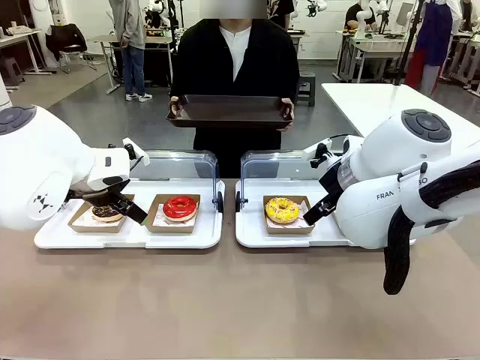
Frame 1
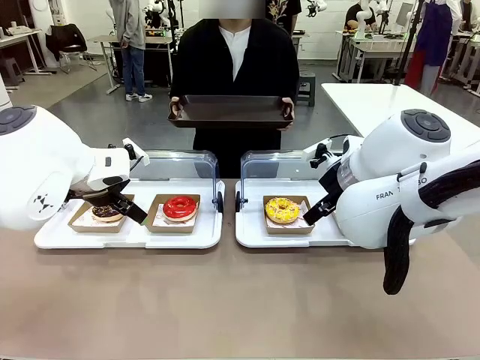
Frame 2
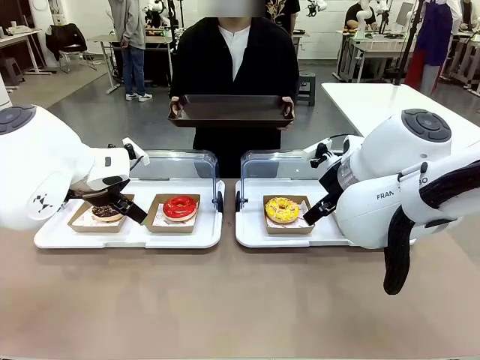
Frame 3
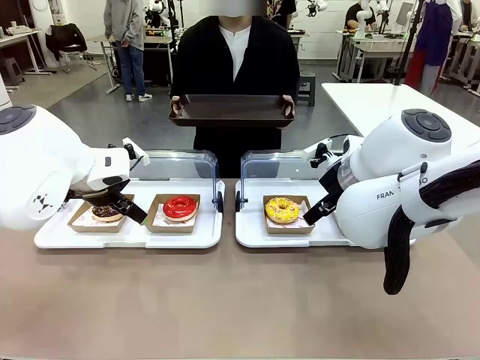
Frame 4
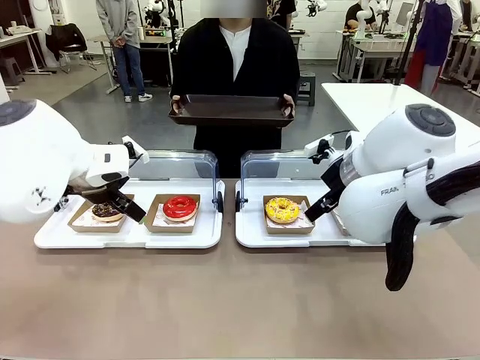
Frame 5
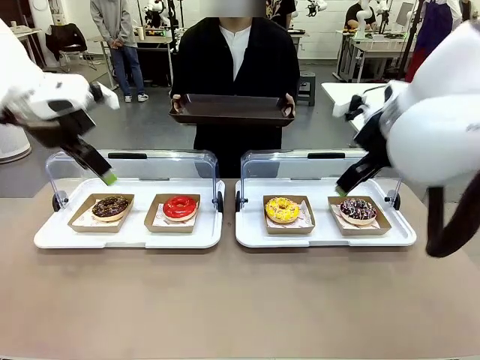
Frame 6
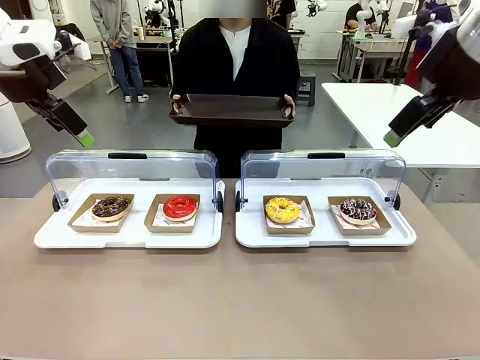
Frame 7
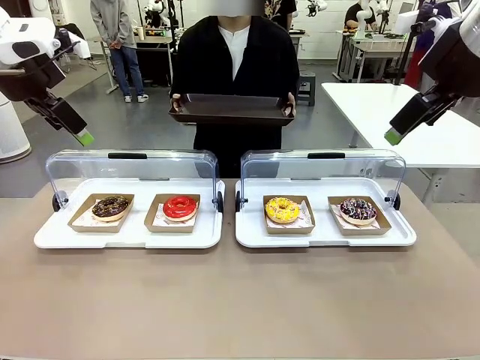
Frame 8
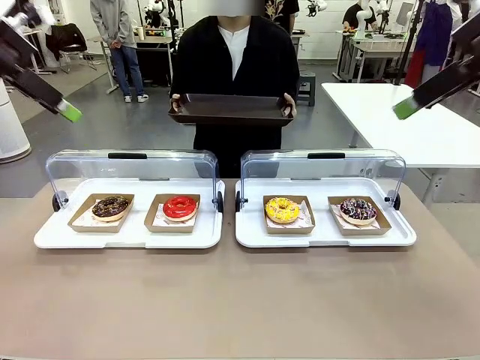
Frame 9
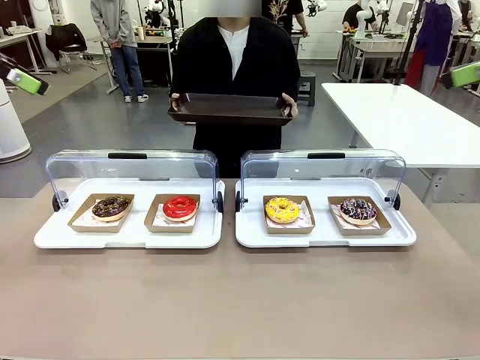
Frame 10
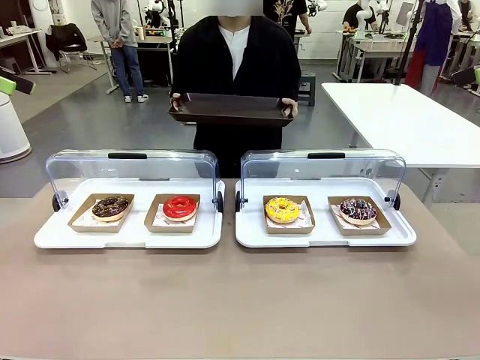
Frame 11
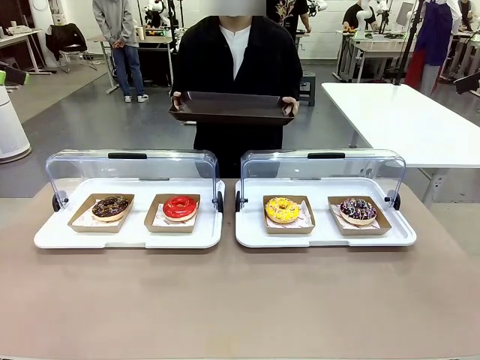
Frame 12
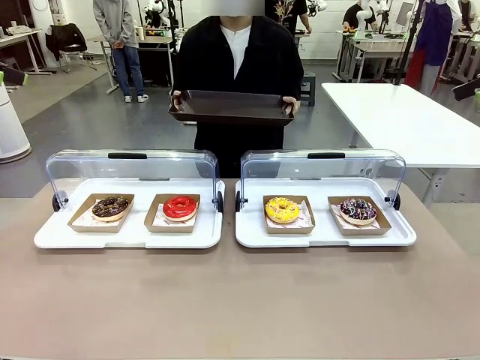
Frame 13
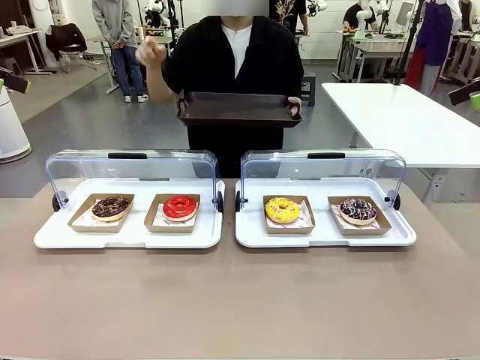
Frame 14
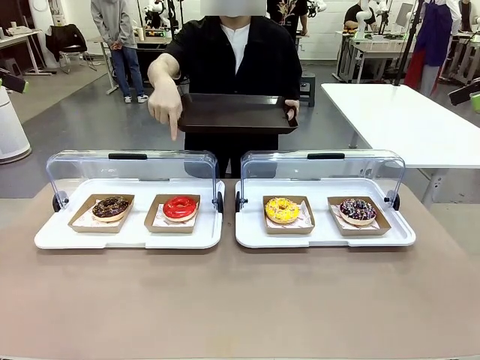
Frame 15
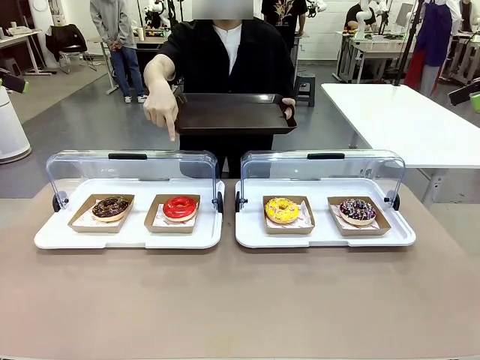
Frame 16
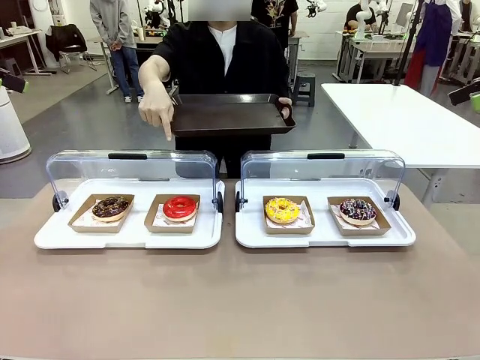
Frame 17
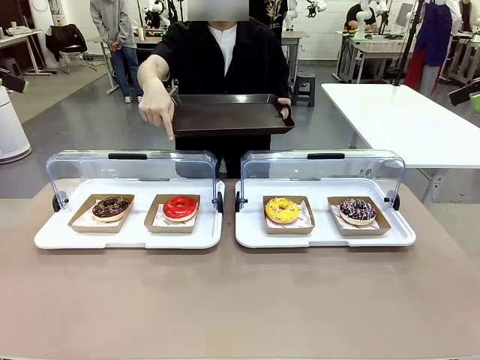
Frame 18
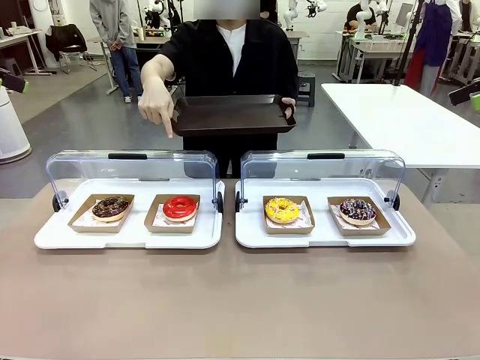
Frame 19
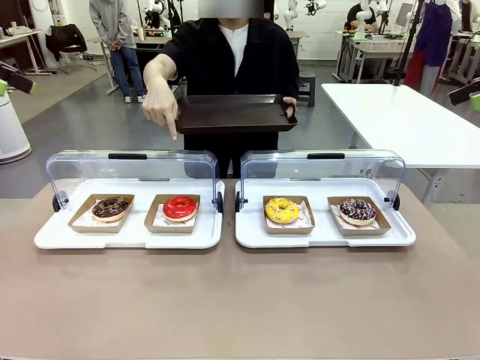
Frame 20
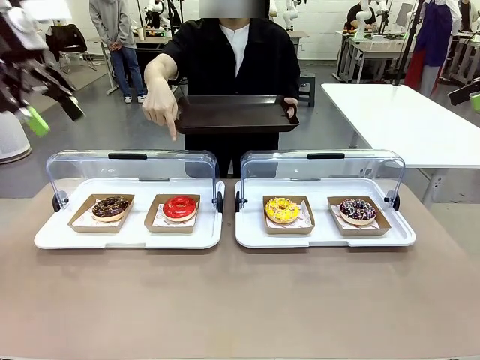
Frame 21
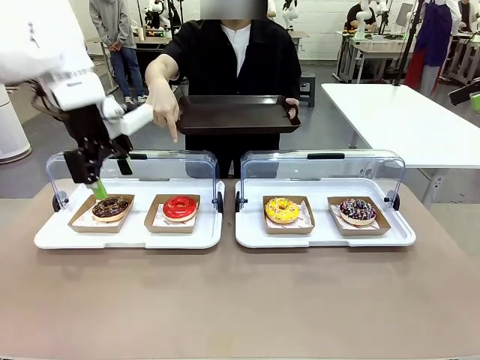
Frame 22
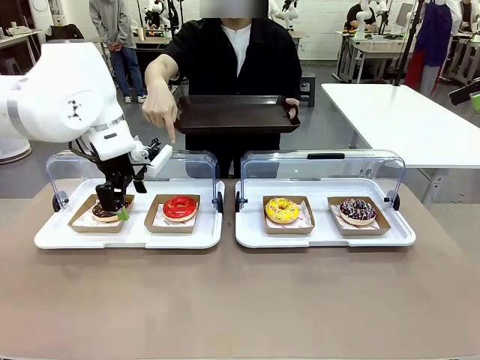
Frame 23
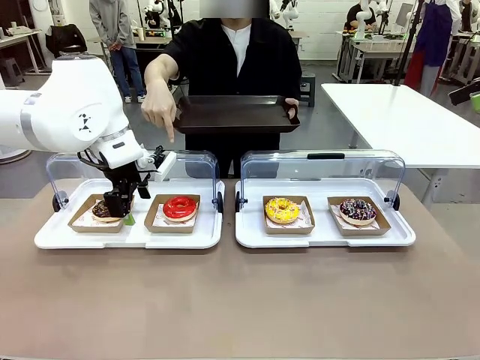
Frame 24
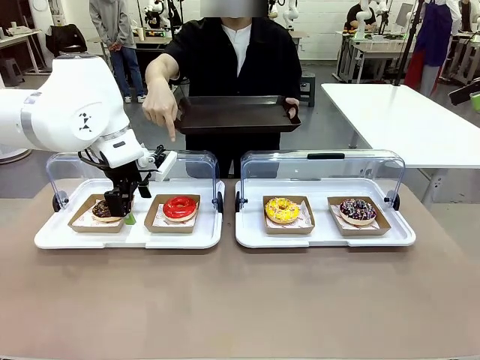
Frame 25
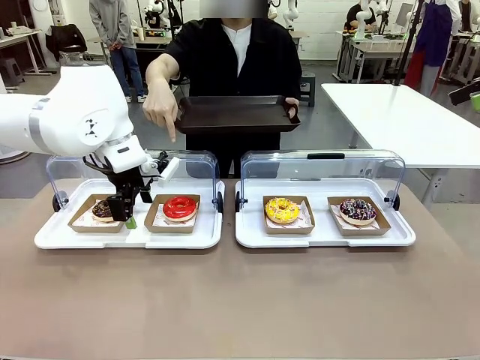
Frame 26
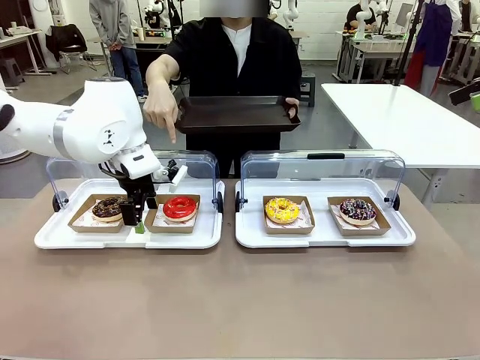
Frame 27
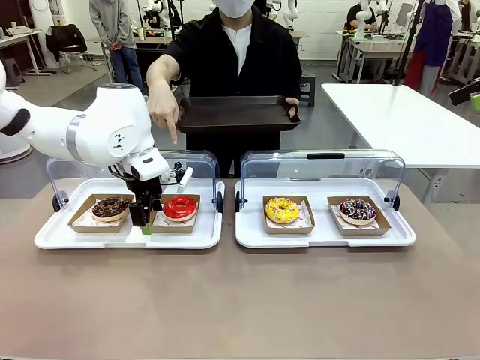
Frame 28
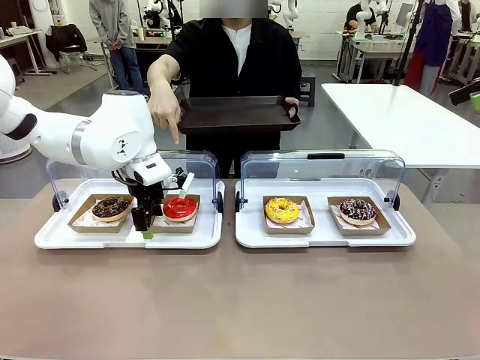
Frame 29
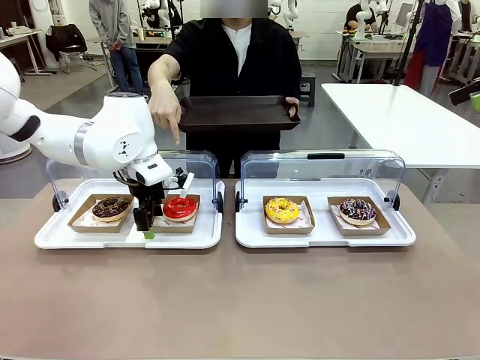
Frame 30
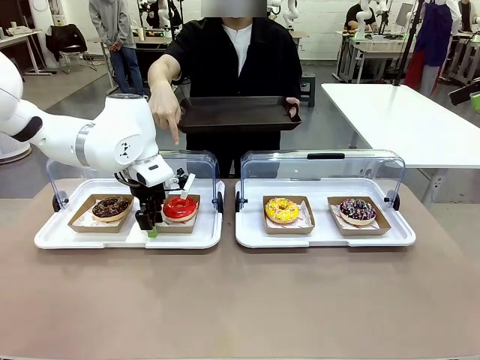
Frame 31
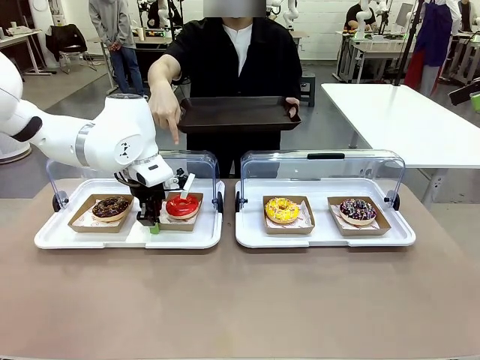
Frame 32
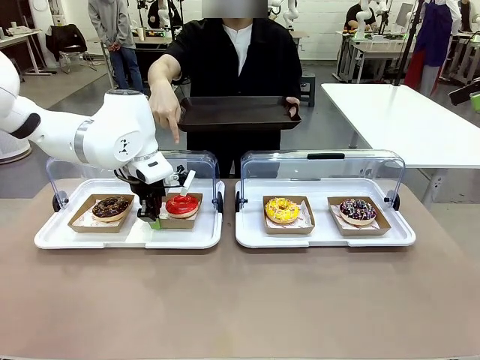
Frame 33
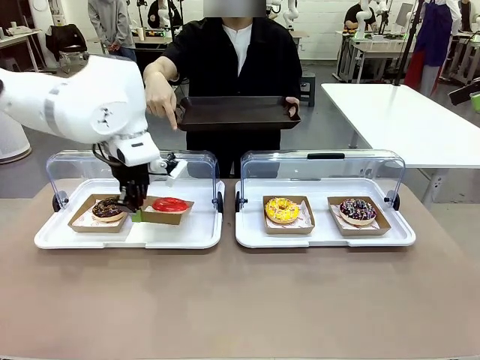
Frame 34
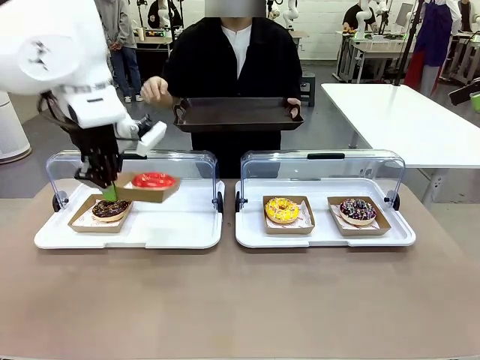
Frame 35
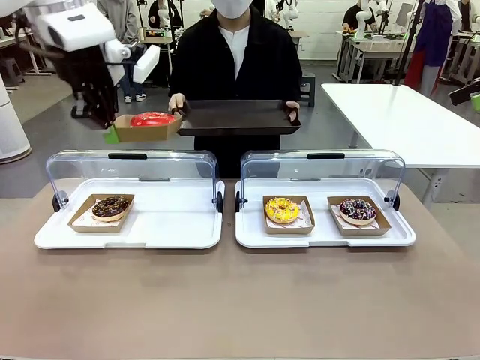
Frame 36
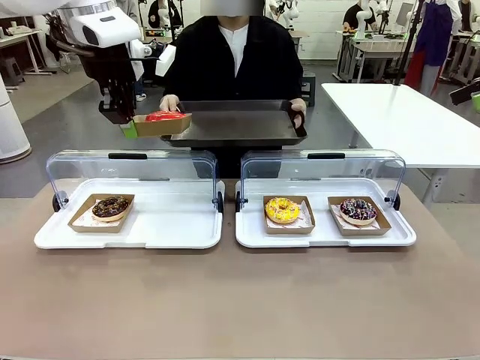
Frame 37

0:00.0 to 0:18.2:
Task: Provide the desired donut to the person.
Robot: Pick up and lift the Paper togo box containing the Donut pointed at by the person.
Person: Point to one donut. Lift the tray onto the Roll-Top Bakery Case.

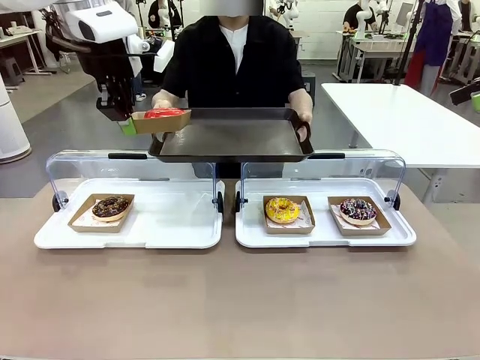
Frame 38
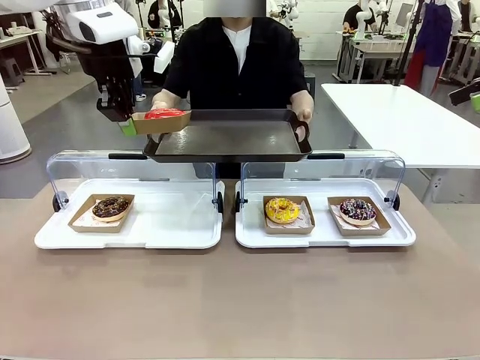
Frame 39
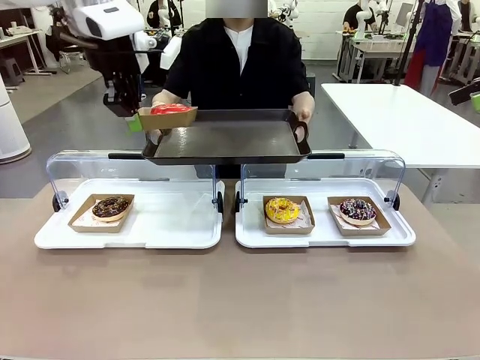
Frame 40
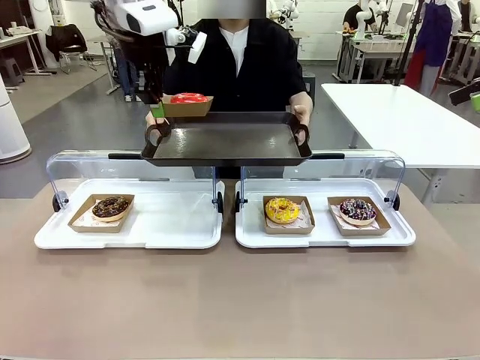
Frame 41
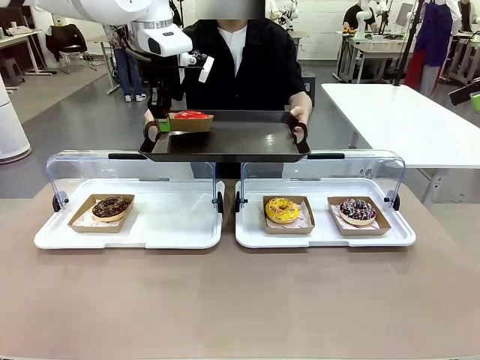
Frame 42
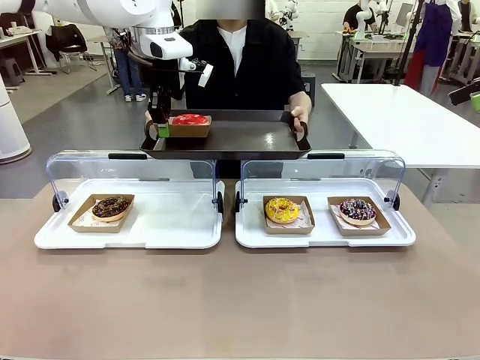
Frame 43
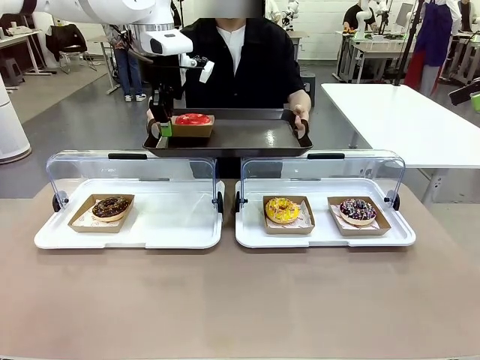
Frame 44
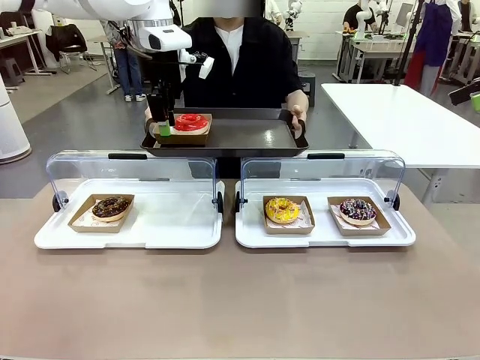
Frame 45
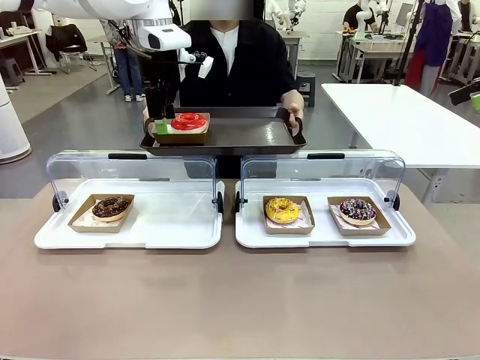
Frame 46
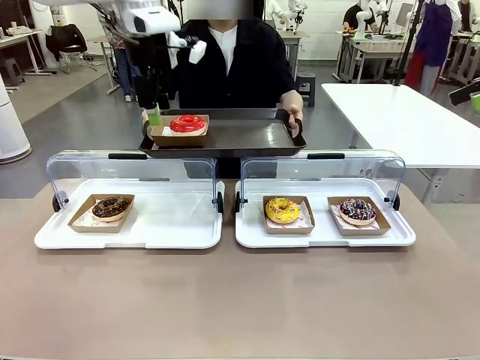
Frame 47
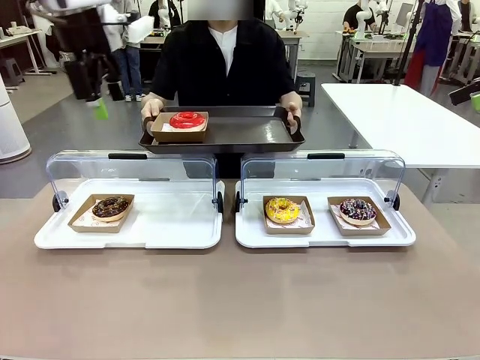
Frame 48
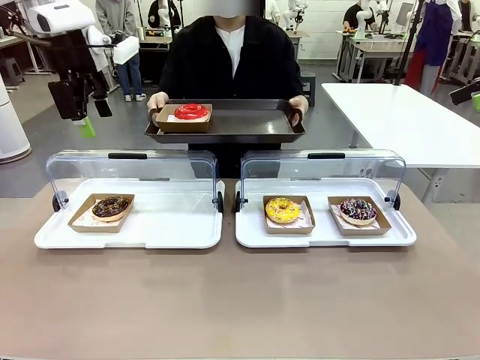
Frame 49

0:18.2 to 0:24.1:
Robot: Place the picked Paper togo box onto the Handle tray extended by the person.
